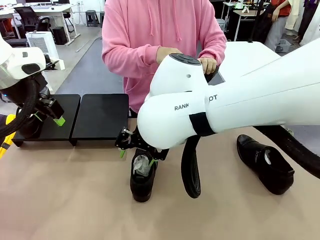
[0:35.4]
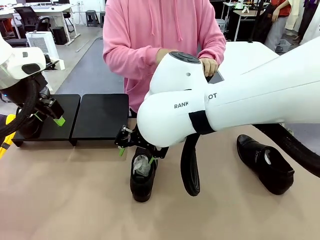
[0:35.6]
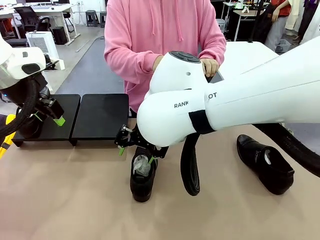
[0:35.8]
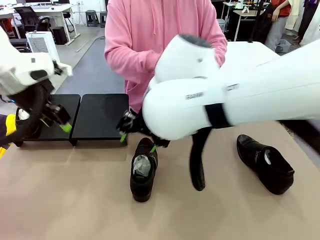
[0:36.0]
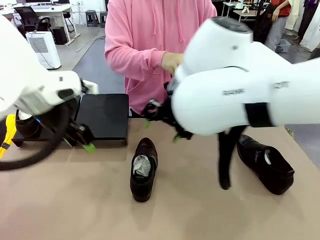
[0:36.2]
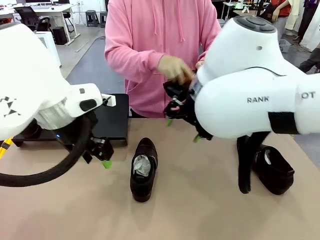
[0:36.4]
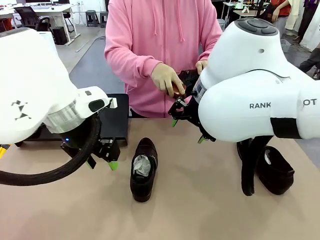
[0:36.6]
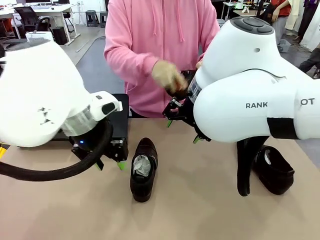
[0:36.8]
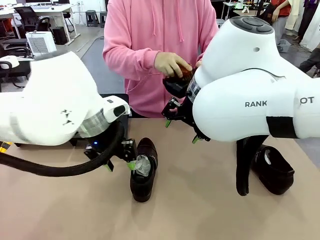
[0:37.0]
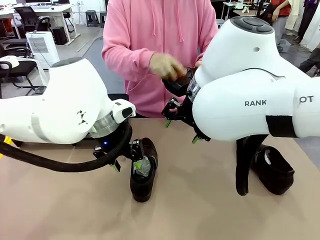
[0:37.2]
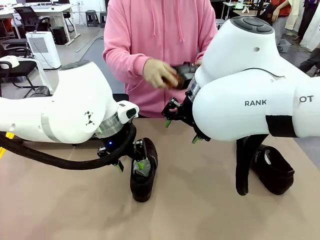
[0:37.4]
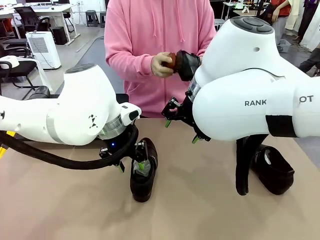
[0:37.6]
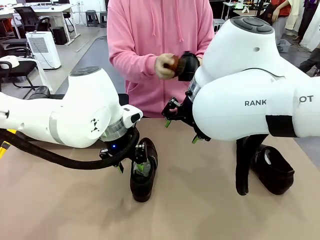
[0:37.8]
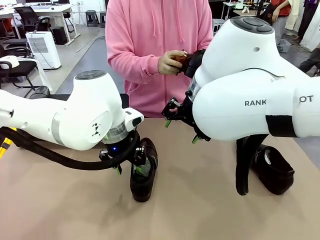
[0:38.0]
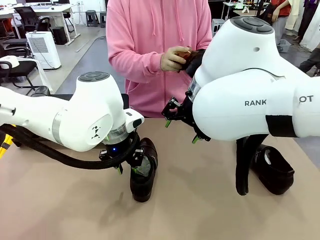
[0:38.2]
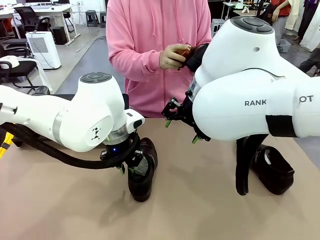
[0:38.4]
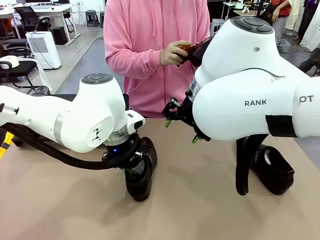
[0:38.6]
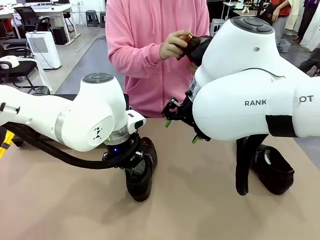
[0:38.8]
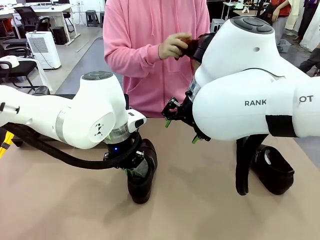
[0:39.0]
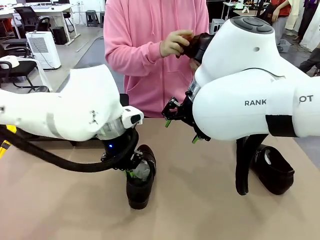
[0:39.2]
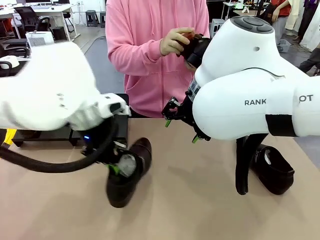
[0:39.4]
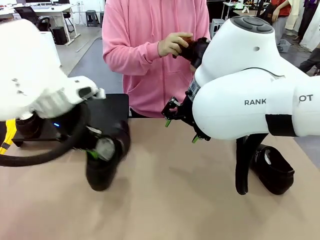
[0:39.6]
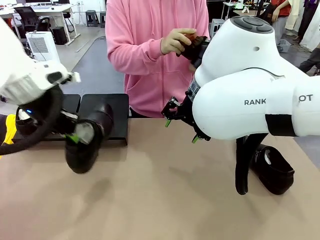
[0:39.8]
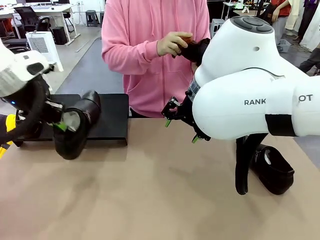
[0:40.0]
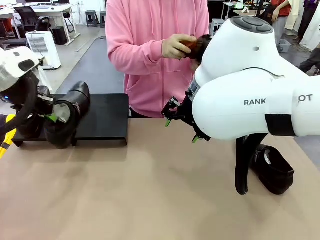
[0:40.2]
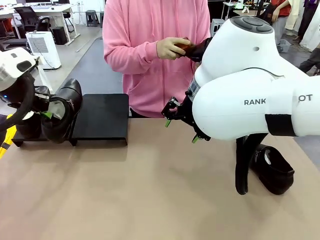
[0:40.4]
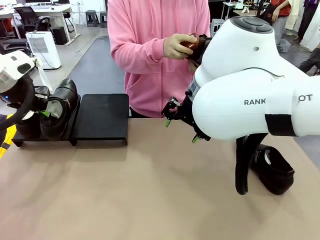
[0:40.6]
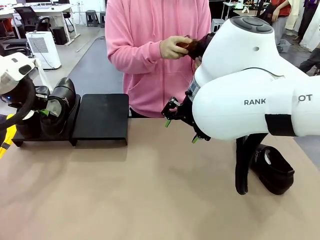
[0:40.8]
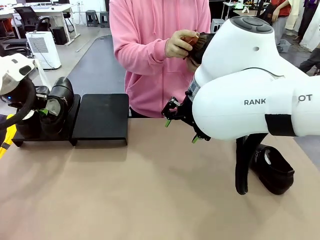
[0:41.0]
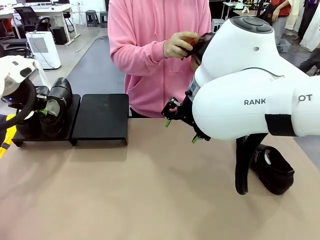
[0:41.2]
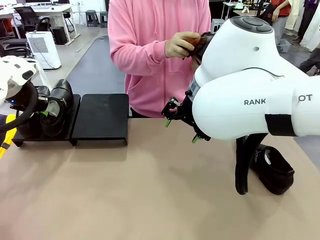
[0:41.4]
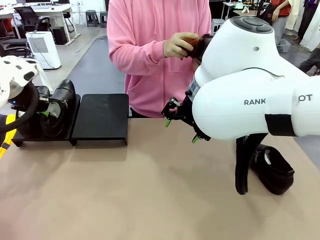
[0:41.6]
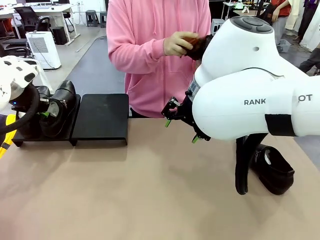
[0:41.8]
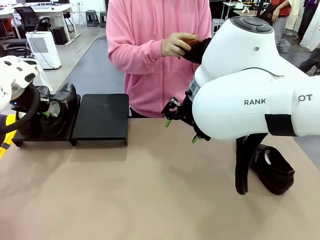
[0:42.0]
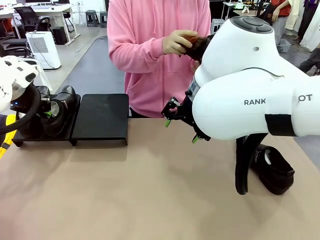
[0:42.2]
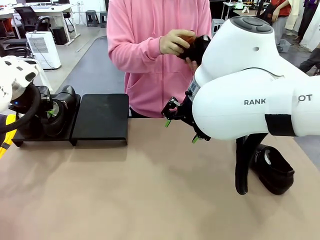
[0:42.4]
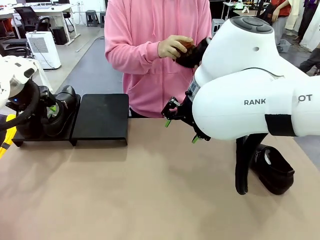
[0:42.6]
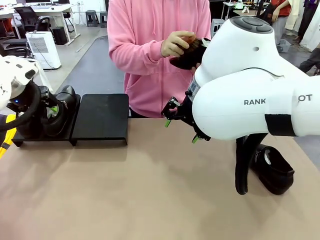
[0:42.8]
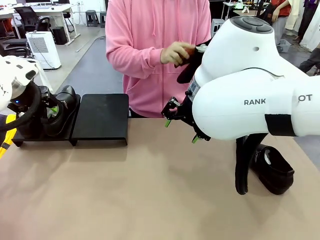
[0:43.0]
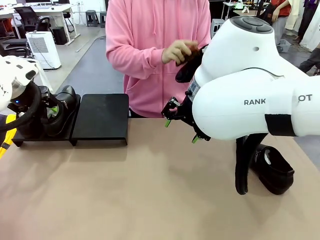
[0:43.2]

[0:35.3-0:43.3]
Task: Organize the shoes by placing them on the stand.
Robot: Place the Shoe from the middle of the table onto the Shoes Stand.

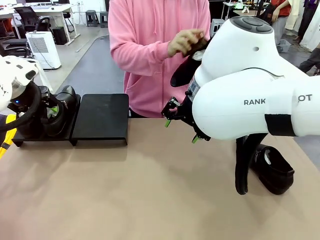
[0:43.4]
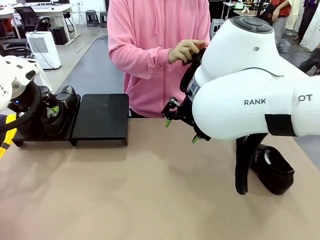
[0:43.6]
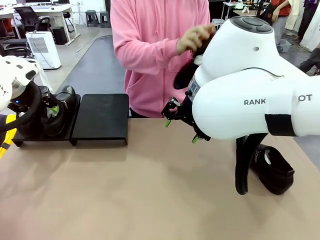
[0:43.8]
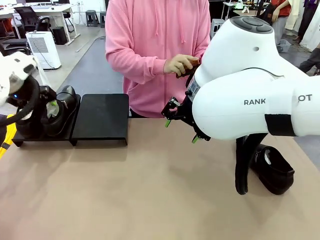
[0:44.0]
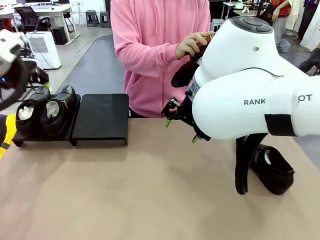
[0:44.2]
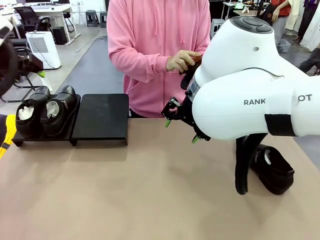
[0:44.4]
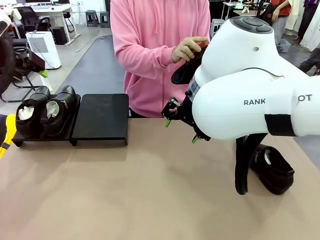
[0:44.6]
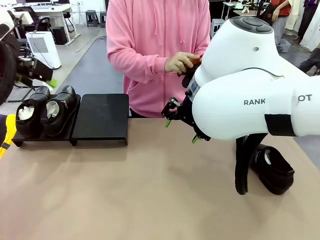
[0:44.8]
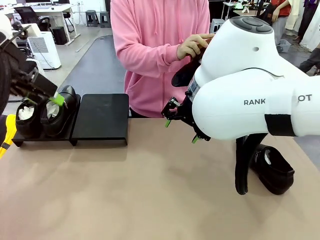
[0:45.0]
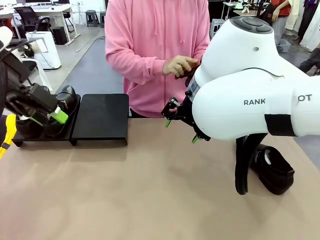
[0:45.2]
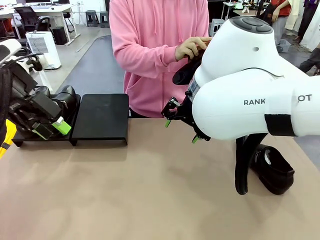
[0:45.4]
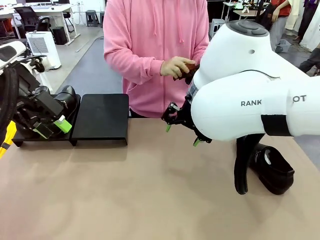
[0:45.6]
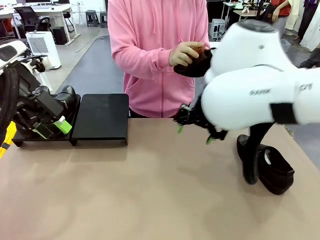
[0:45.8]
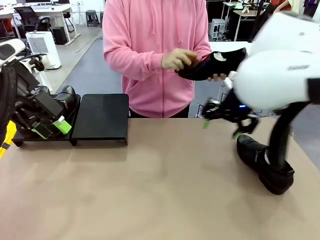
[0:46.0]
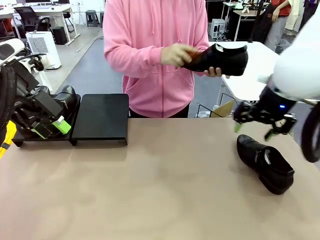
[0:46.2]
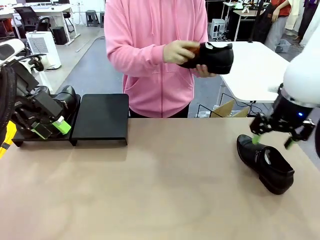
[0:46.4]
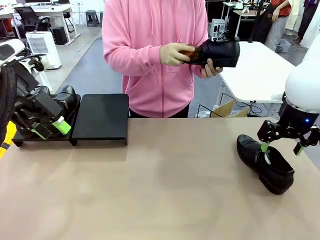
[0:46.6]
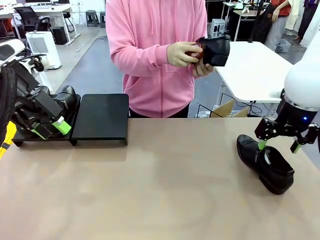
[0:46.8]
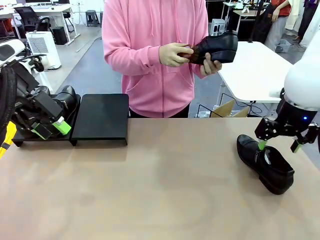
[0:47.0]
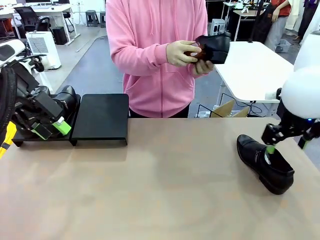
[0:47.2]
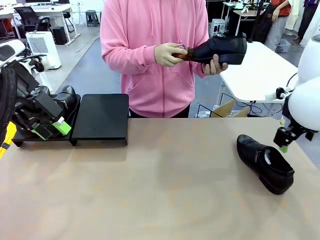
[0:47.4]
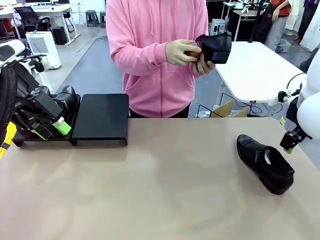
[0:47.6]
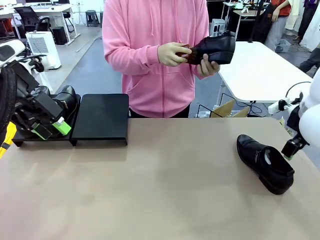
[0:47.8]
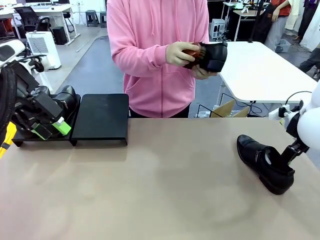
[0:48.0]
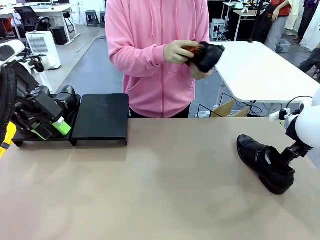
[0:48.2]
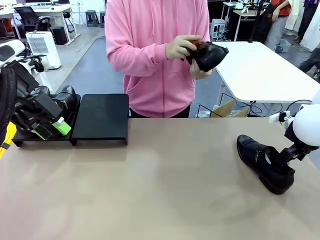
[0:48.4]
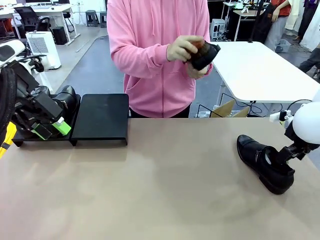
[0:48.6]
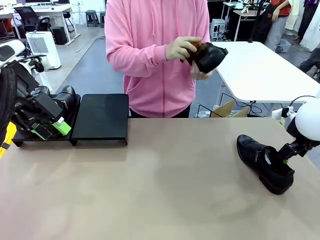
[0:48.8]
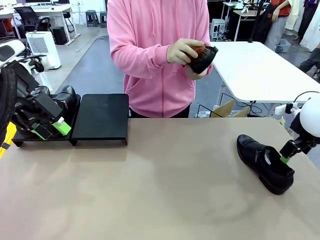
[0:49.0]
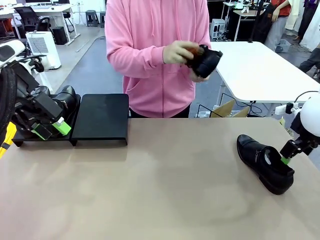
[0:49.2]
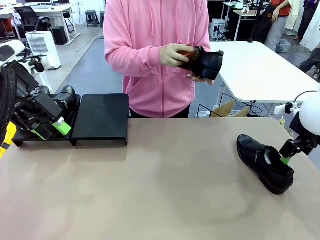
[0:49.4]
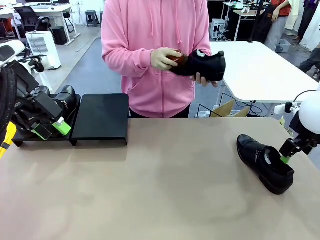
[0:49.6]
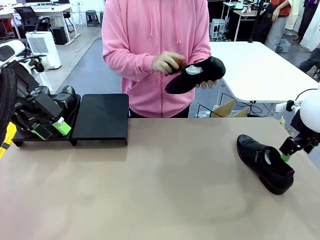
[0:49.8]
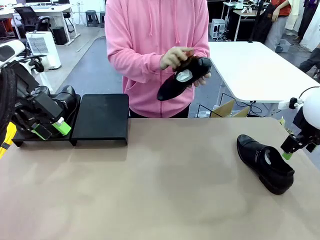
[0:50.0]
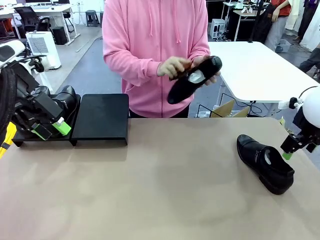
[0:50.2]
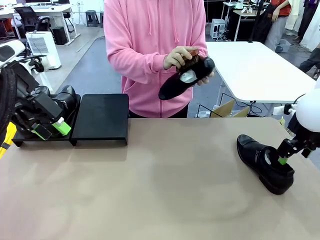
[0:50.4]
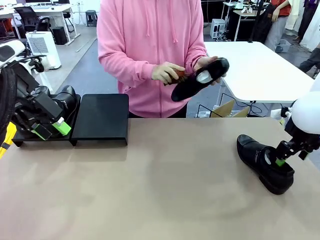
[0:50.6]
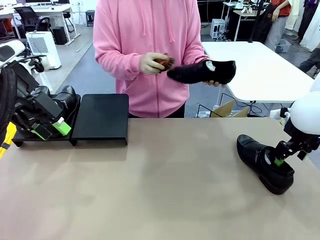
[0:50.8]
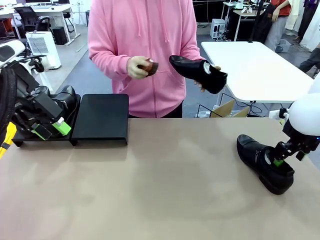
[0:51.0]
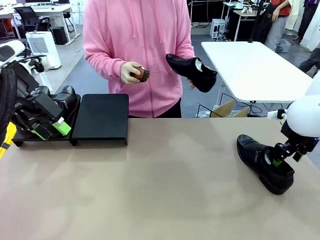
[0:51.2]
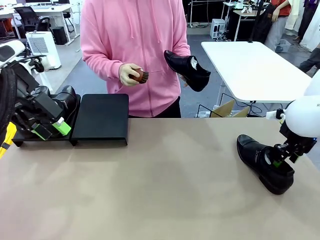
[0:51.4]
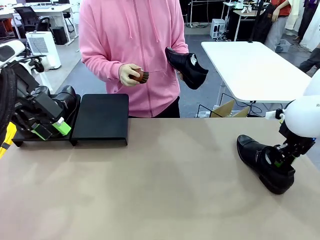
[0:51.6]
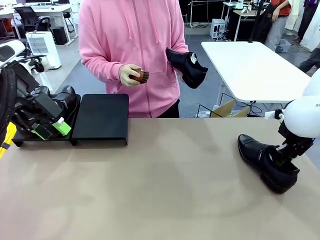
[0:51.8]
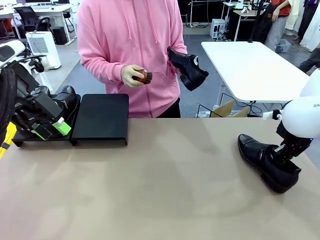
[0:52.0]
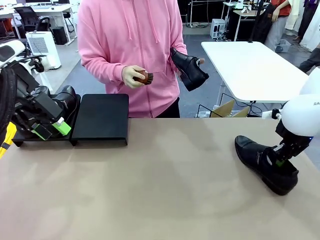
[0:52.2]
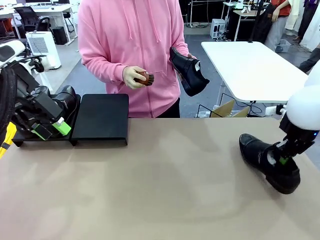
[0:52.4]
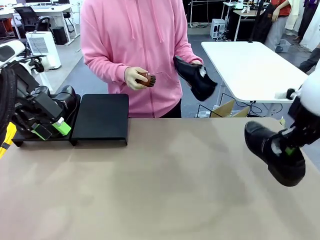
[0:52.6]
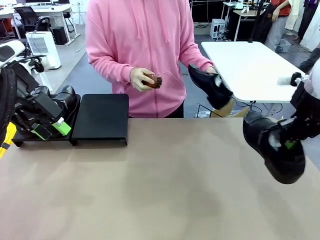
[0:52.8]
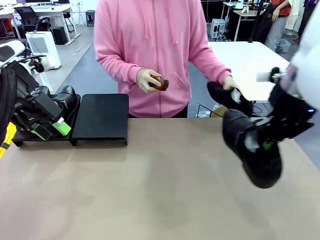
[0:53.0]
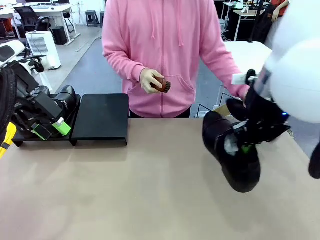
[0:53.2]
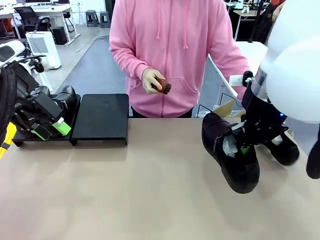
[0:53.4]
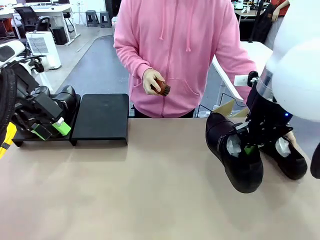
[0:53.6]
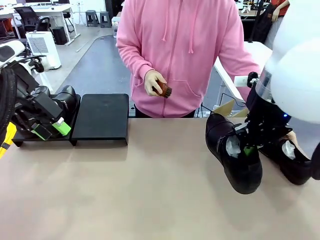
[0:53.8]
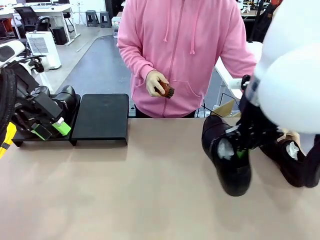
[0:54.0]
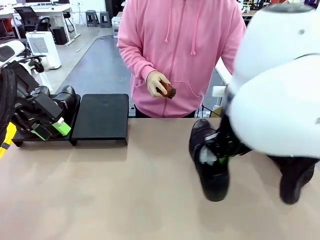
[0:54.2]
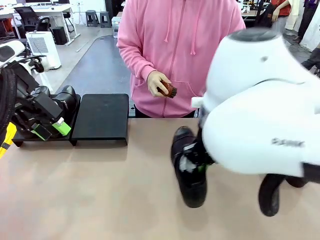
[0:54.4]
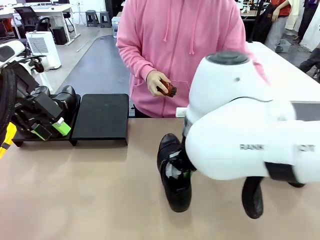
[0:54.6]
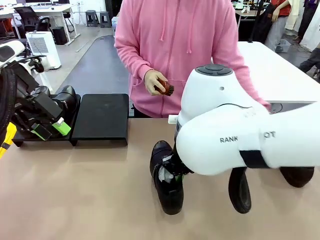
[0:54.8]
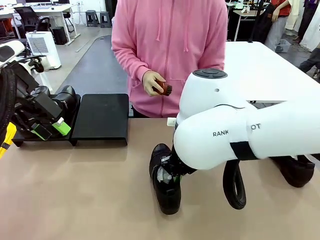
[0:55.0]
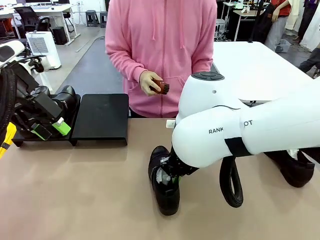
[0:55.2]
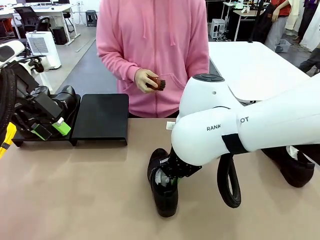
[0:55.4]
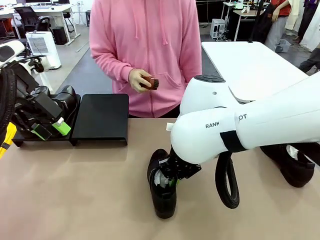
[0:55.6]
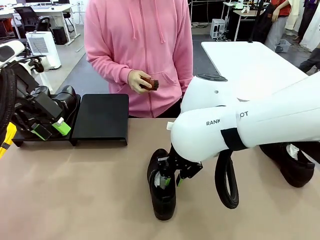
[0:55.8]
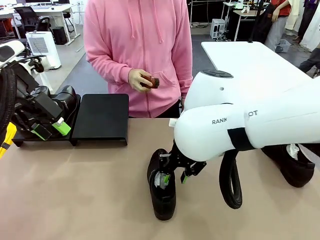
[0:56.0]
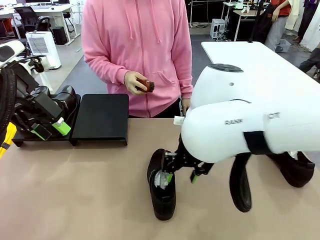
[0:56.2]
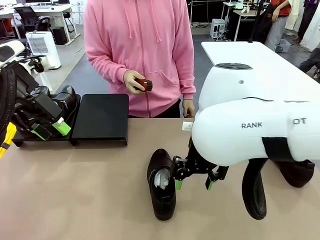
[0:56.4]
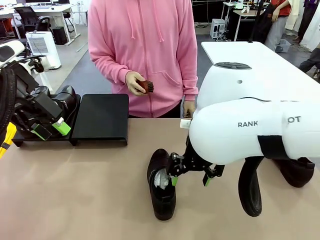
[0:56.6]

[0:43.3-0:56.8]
Robot: Pick up one Shoe and place it in the middle of the table.
